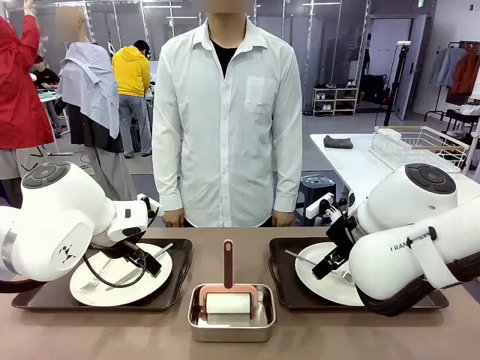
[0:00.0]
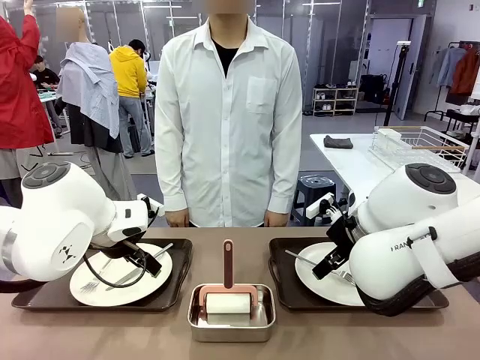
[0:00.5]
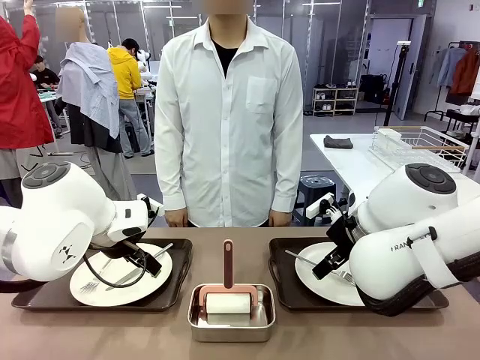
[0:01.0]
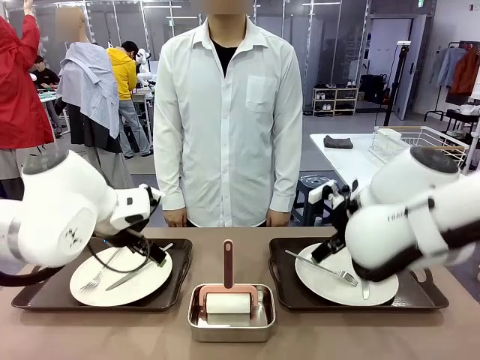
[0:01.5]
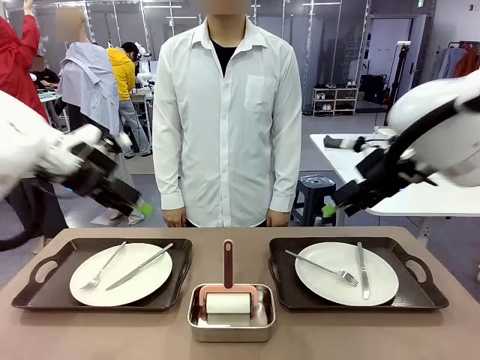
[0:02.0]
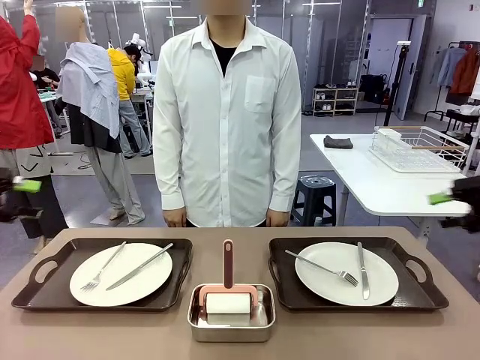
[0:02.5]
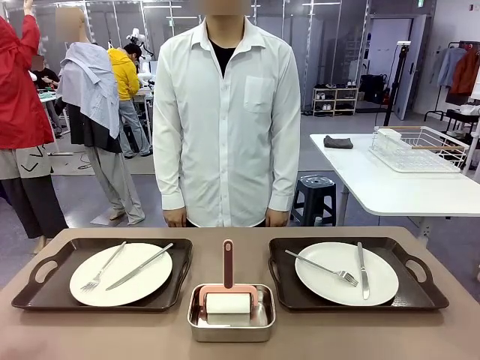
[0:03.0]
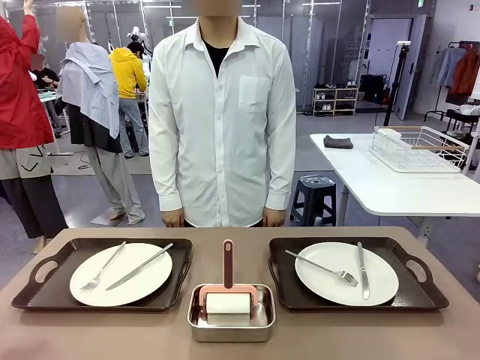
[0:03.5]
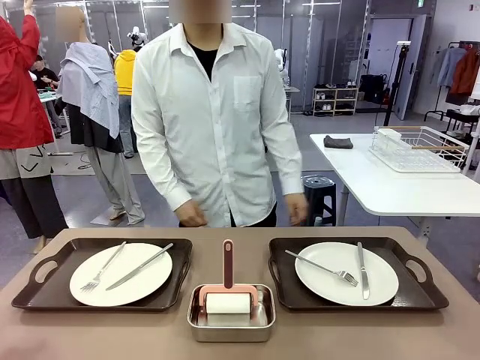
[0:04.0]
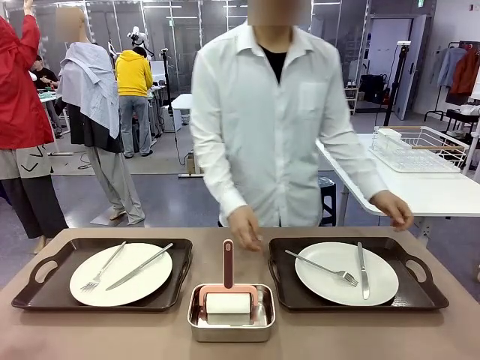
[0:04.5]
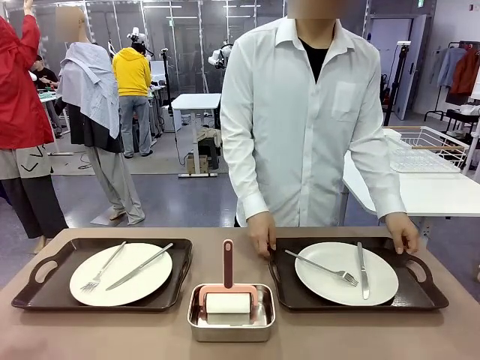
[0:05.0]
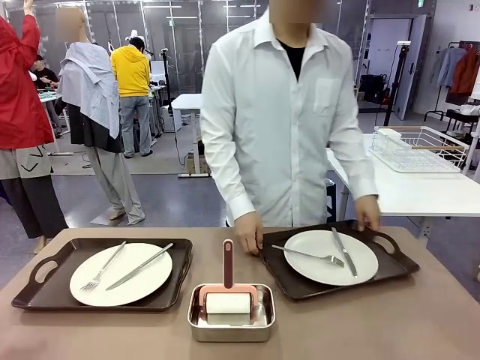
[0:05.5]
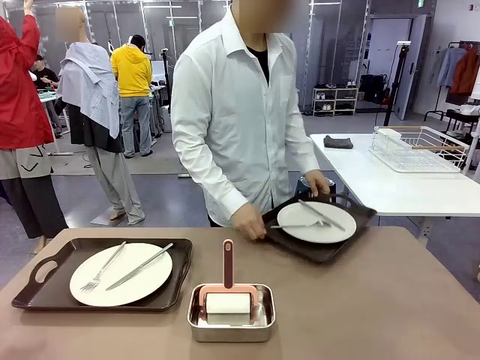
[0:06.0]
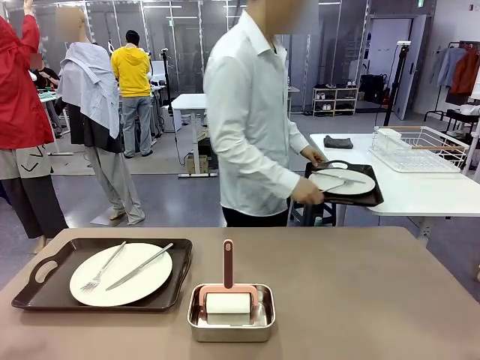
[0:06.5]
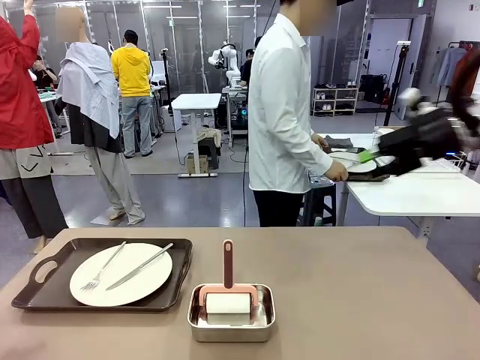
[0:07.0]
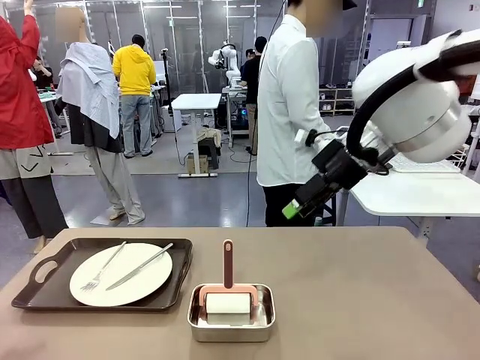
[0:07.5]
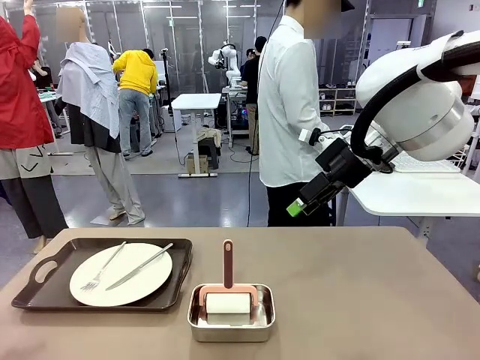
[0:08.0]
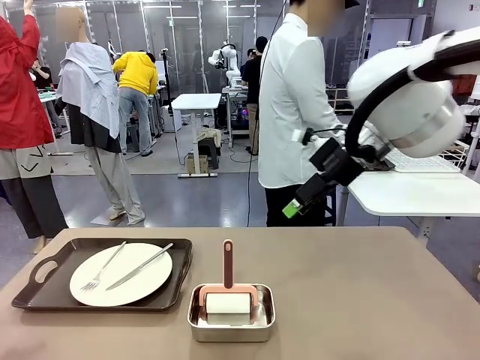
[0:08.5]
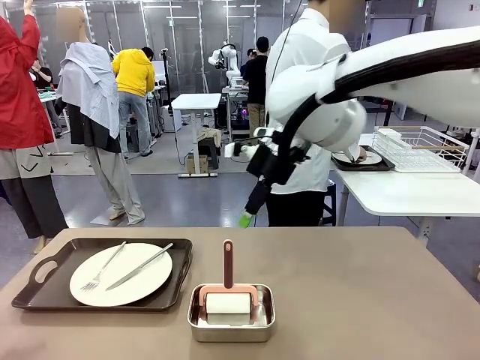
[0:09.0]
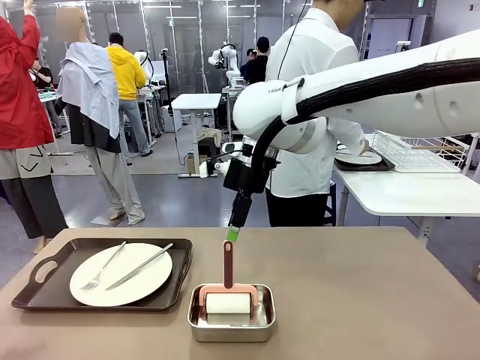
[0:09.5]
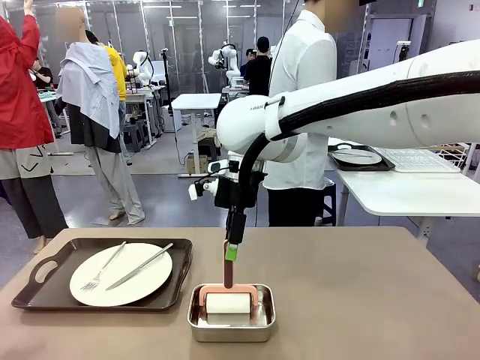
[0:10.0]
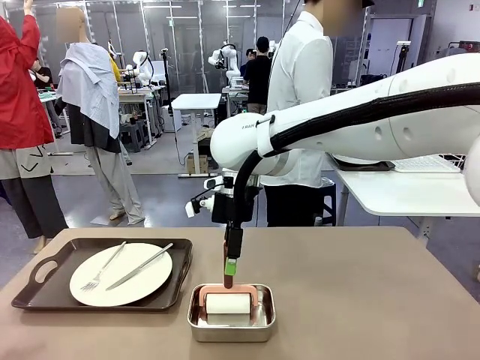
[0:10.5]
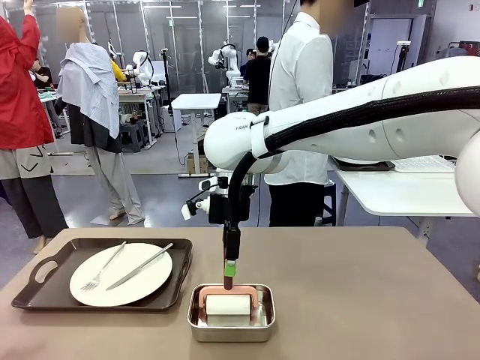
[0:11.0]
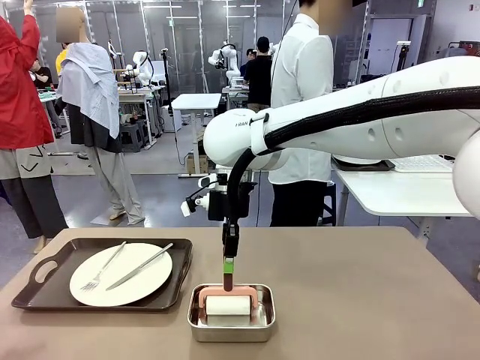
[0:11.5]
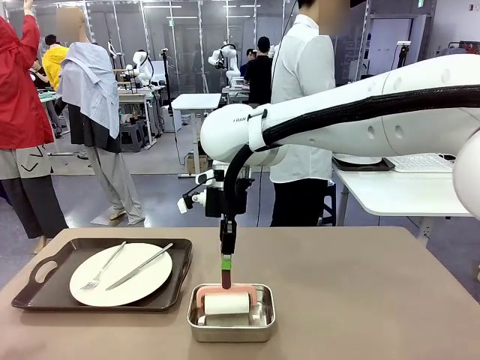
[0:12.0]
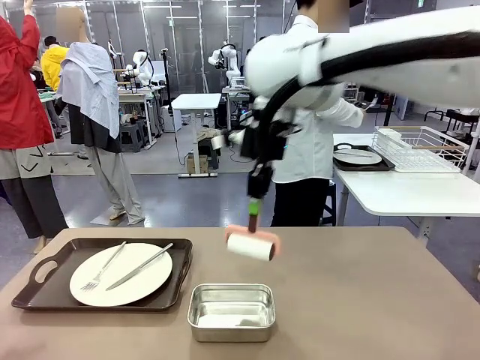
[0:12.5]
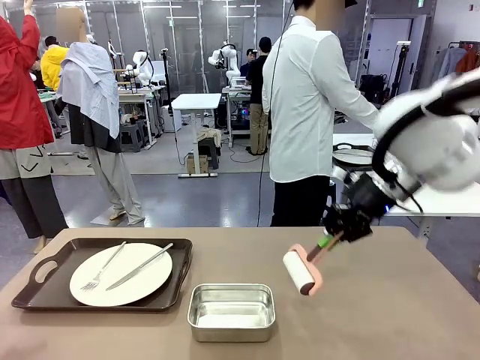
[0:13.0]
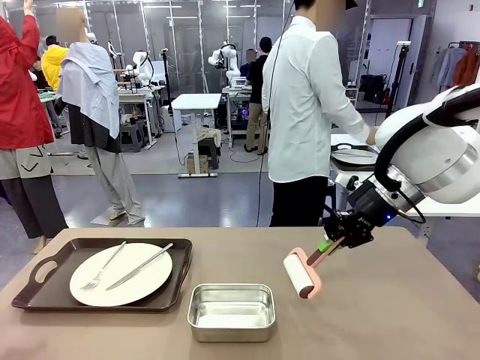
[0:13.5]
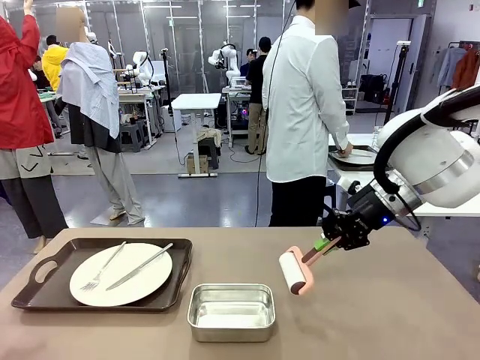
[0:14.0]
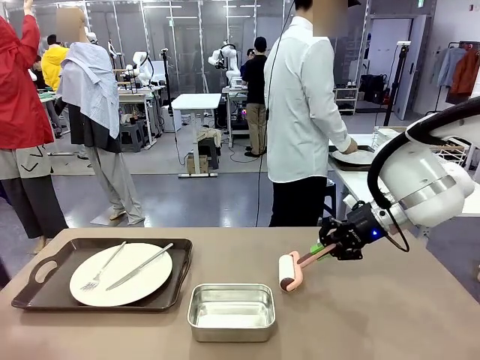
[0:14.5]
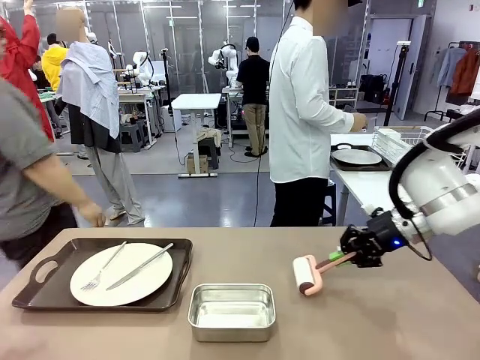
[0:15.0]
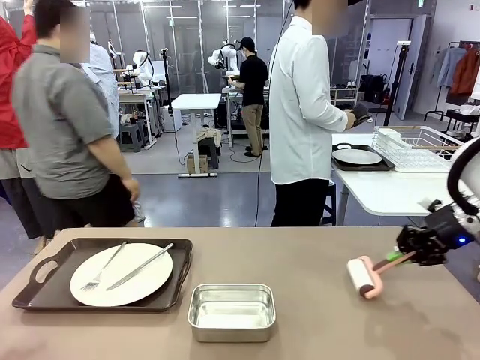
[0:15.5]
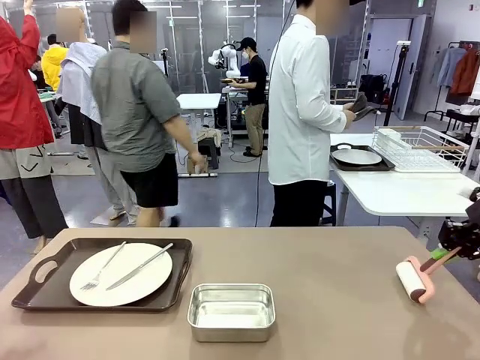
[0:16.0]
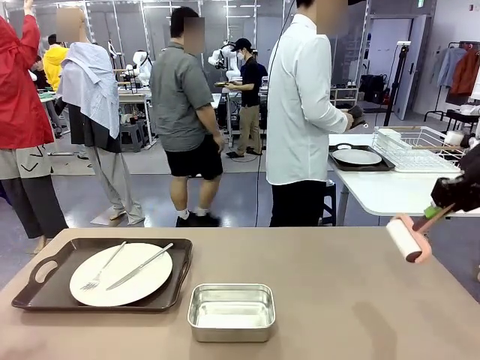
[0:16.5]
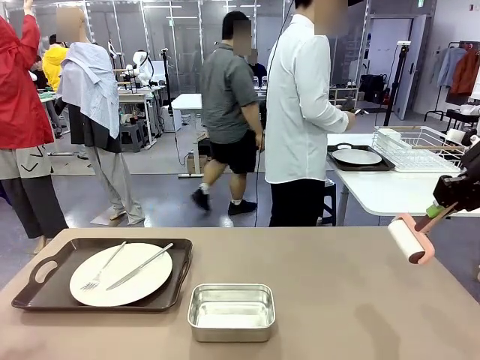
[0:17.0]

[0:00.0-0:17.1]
Robot: When the left (or right) Handle tray is removed, use the left hand (or right hand) to clean the left (or right) side of the table with the Lint Roller.
Person: Pick up the left (or right) Handle tray and place it on the middle of the Human's table. Use the Towel with hook to wipe the Plastic Matte Plate , Fork , and Knife and place into the Dish drying rack.

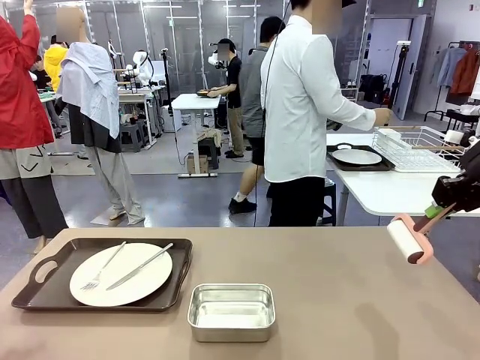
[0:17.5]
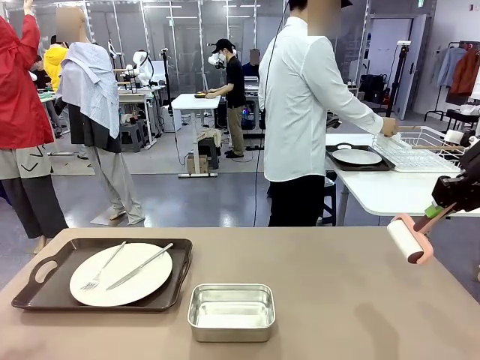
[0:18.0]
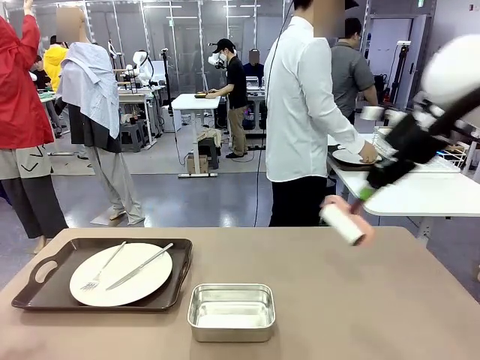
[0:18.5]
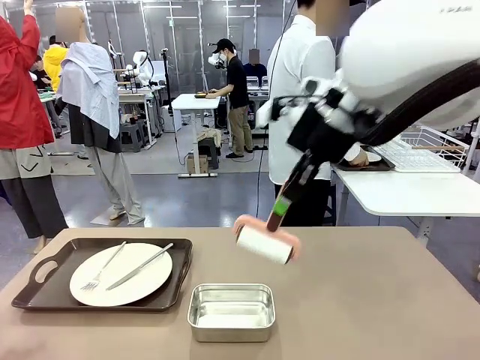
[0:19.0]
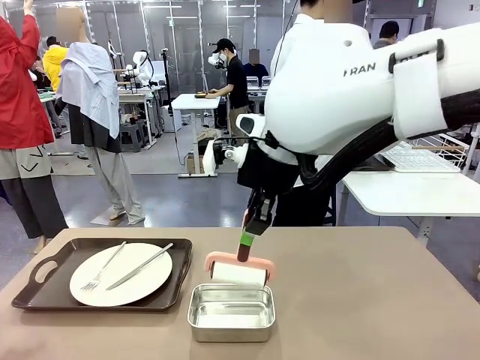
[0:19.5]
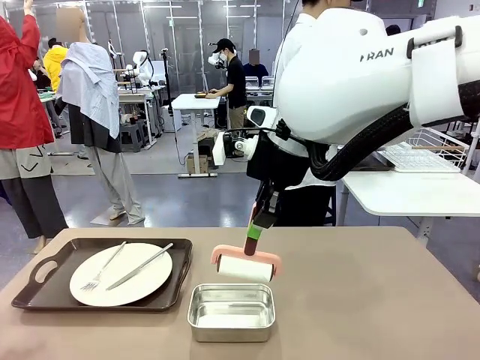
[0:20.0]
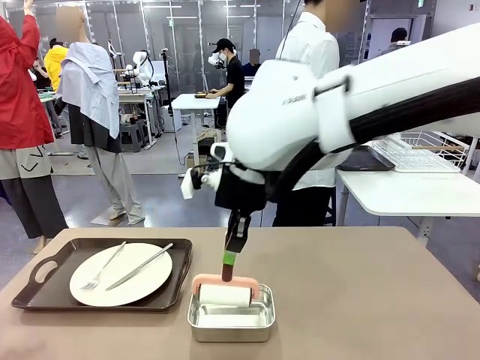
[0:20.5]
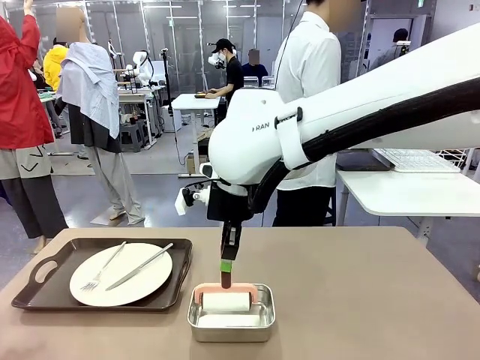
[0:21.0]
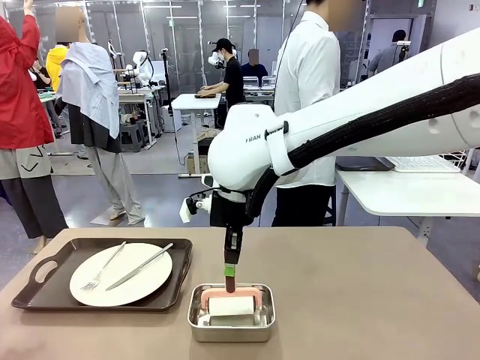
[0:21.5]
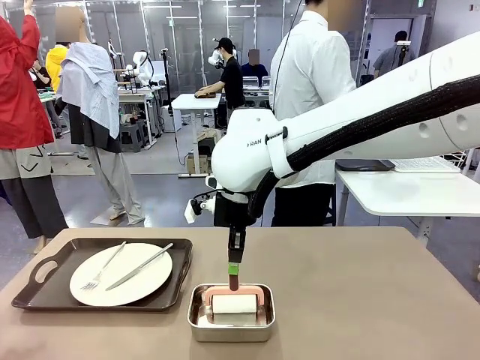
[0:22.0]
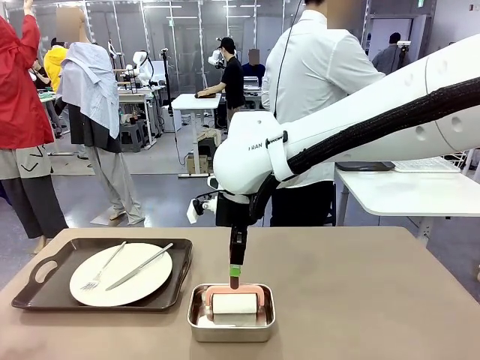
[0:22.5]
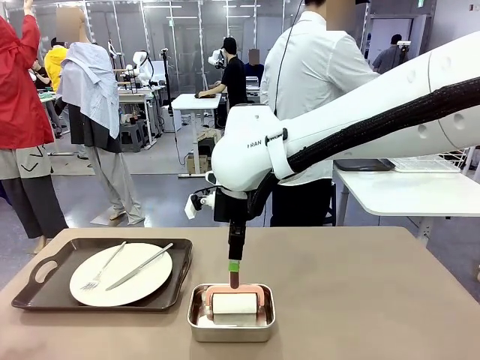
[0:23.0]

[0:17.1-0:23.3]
Robot: Place the Lint Roller back on top of the Airtight Container.

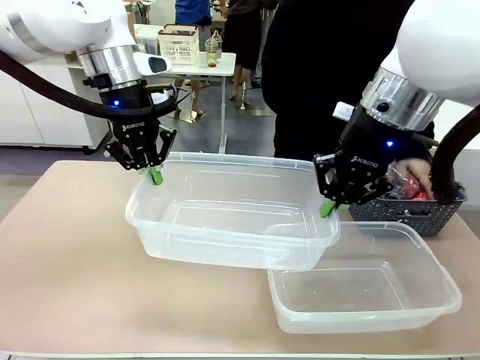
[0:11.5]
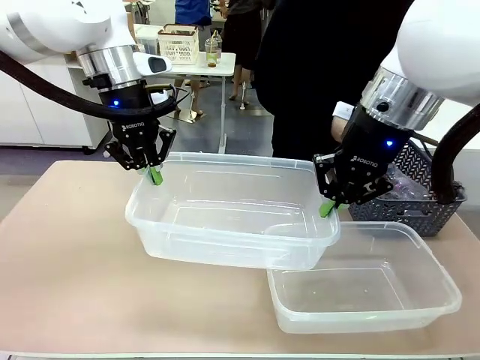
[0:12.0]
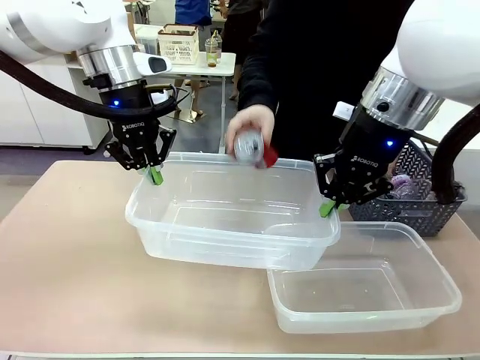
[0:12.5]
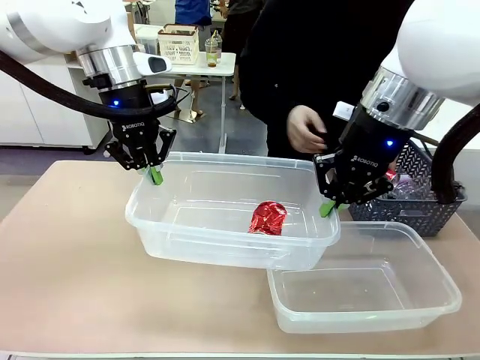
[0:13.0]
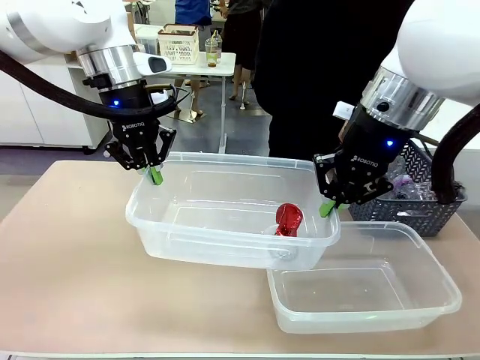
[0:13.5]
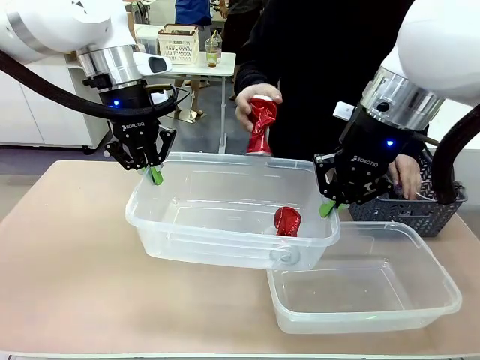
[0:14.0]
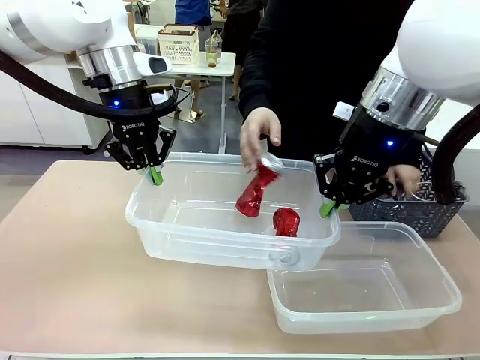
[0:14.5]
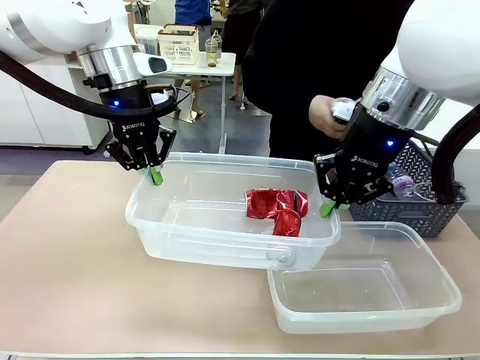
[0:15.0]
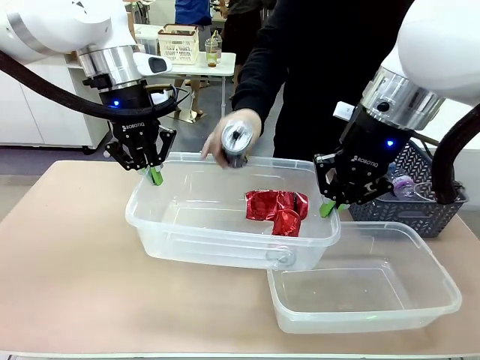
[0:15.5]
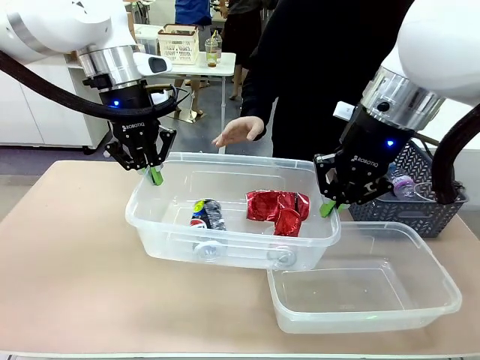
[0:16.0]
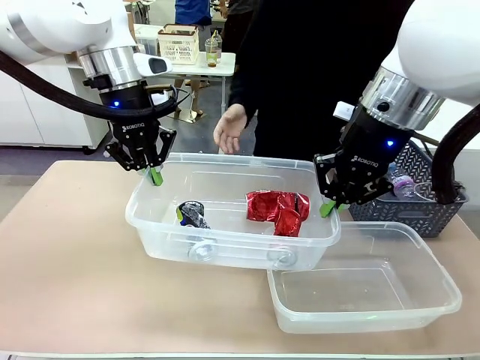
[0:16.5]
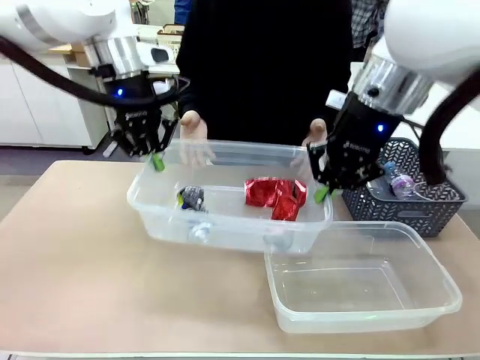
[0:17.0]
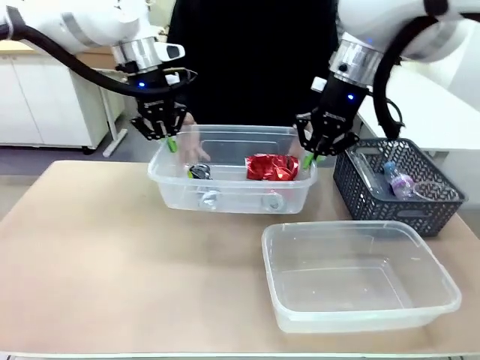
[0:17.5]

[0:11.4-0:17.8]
Robot: Offer the picked Organizing box to the human.
